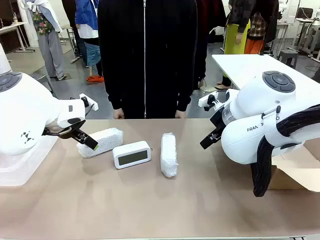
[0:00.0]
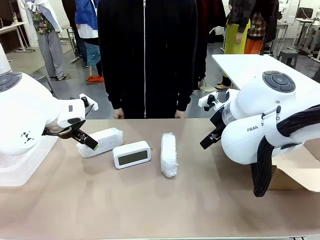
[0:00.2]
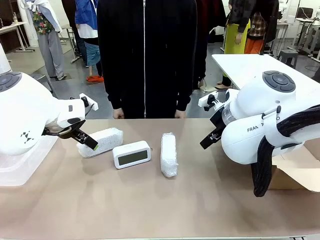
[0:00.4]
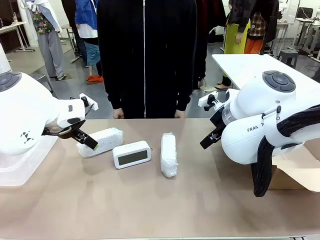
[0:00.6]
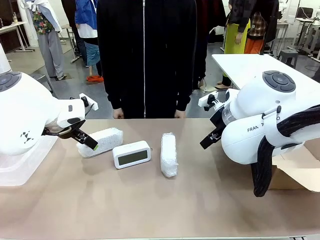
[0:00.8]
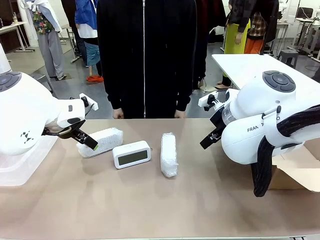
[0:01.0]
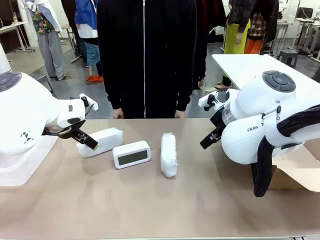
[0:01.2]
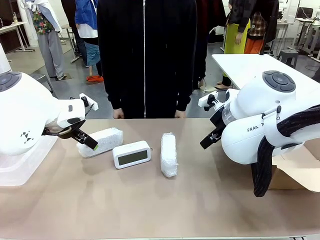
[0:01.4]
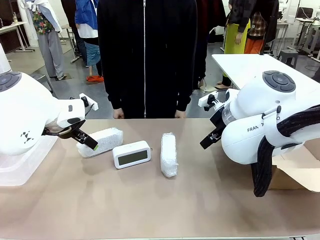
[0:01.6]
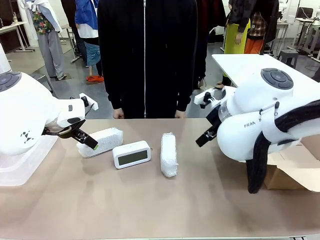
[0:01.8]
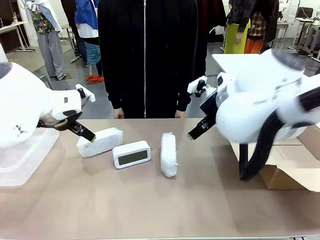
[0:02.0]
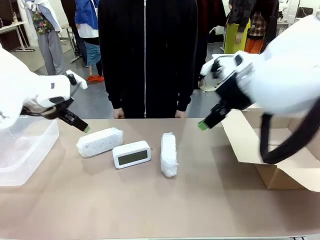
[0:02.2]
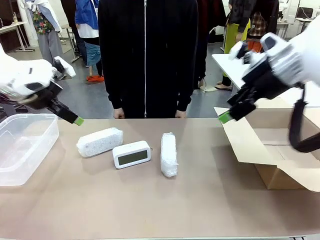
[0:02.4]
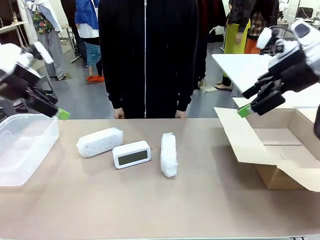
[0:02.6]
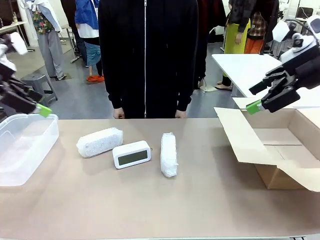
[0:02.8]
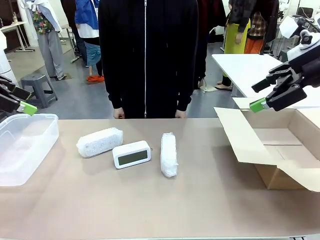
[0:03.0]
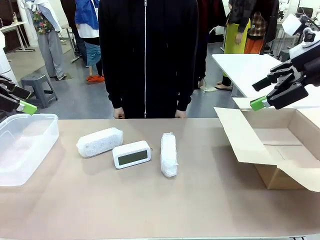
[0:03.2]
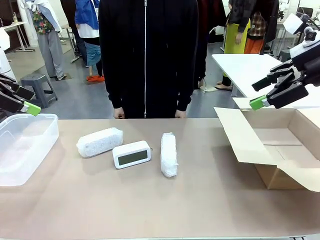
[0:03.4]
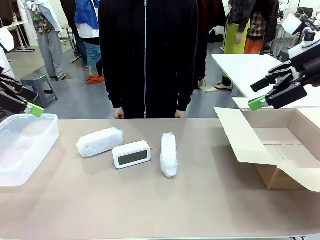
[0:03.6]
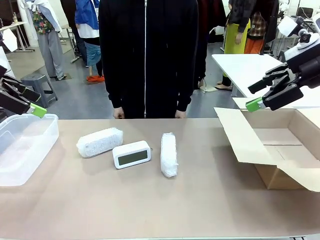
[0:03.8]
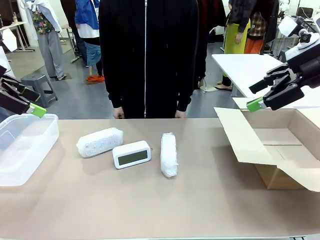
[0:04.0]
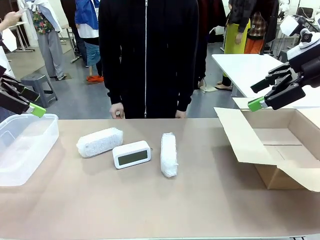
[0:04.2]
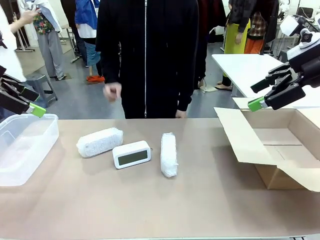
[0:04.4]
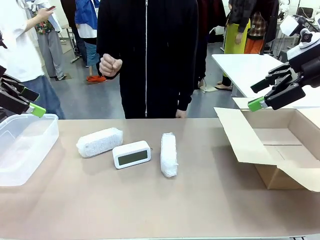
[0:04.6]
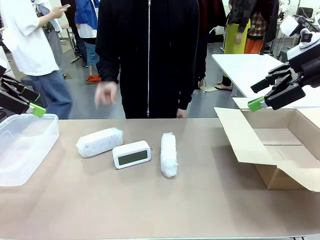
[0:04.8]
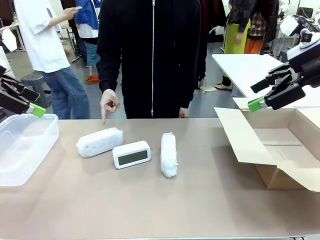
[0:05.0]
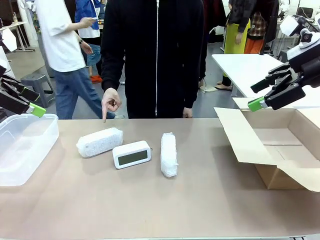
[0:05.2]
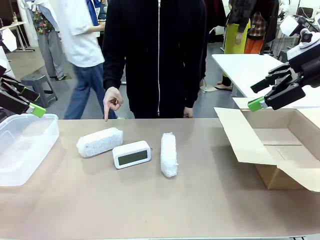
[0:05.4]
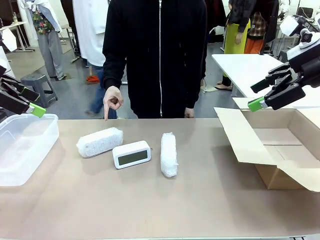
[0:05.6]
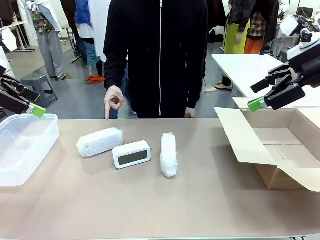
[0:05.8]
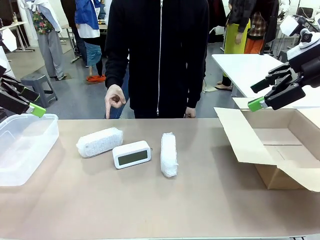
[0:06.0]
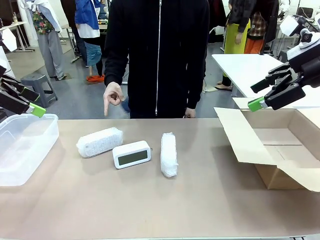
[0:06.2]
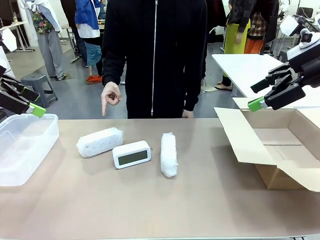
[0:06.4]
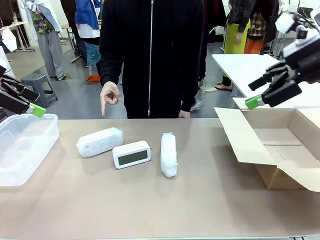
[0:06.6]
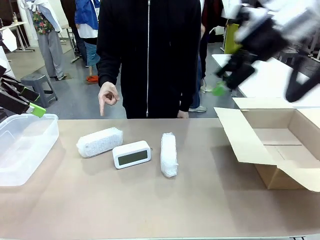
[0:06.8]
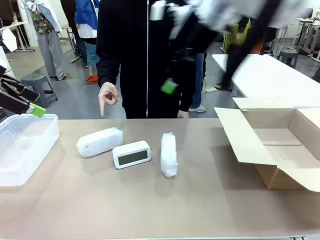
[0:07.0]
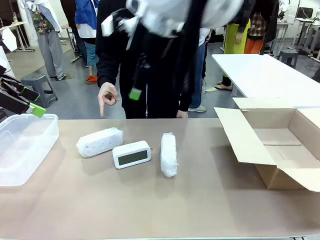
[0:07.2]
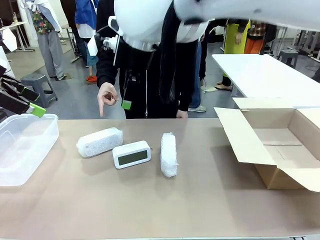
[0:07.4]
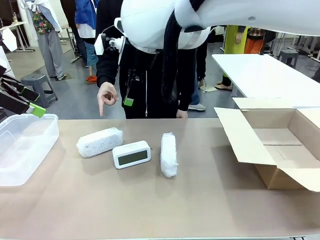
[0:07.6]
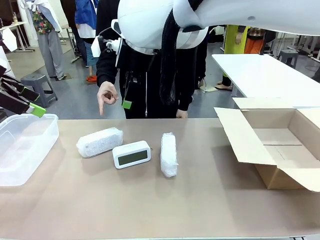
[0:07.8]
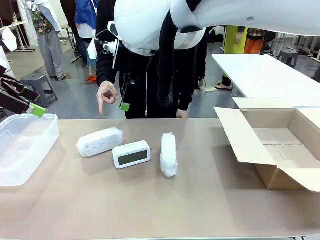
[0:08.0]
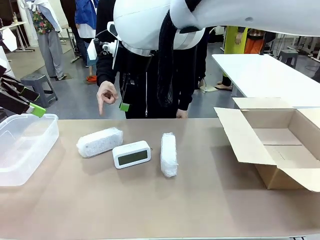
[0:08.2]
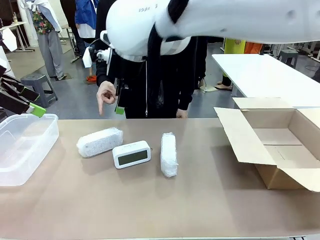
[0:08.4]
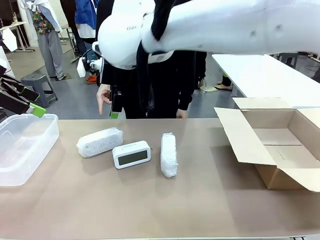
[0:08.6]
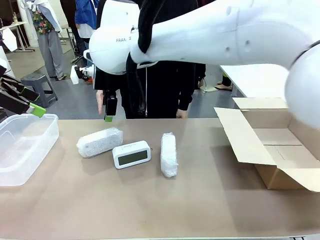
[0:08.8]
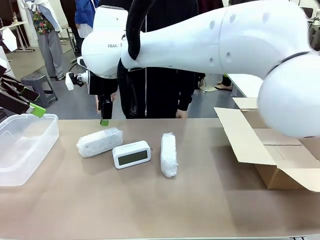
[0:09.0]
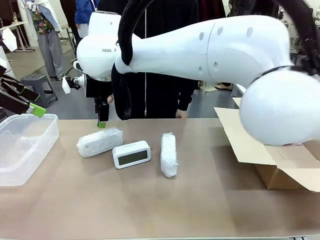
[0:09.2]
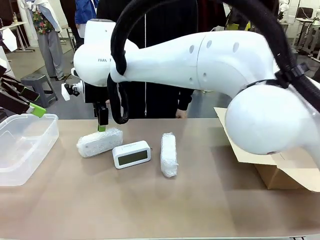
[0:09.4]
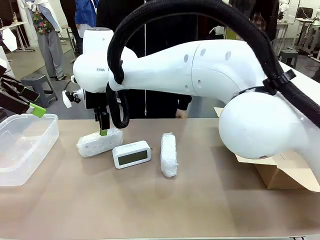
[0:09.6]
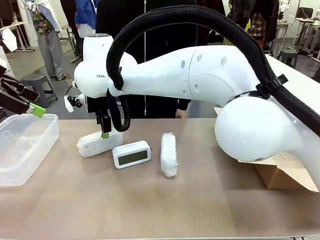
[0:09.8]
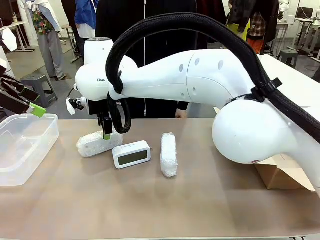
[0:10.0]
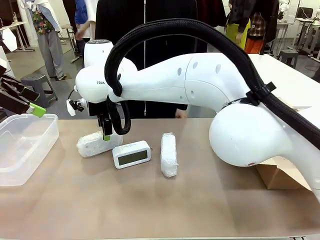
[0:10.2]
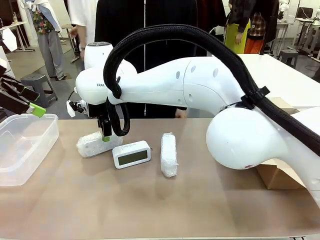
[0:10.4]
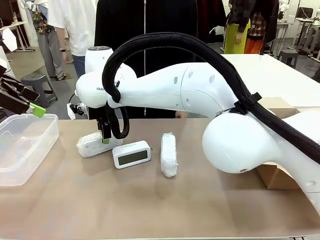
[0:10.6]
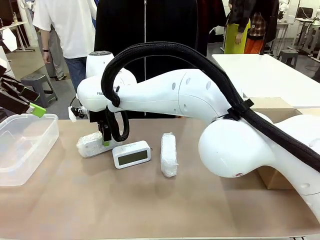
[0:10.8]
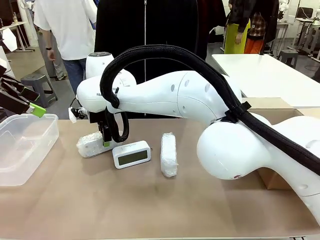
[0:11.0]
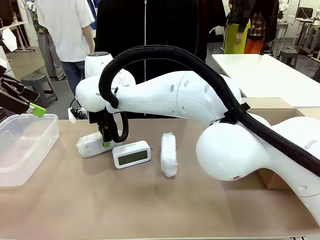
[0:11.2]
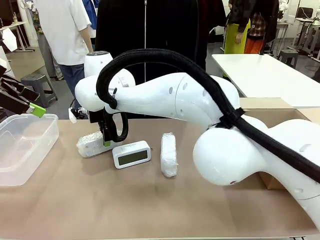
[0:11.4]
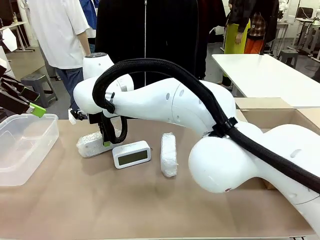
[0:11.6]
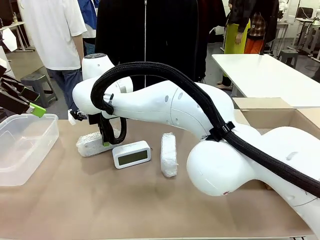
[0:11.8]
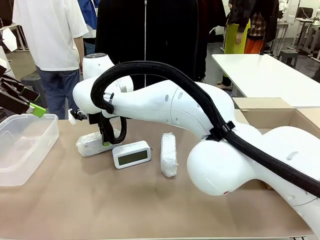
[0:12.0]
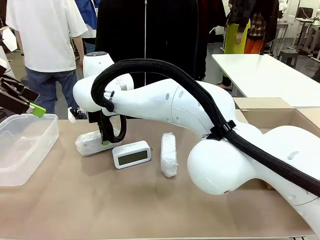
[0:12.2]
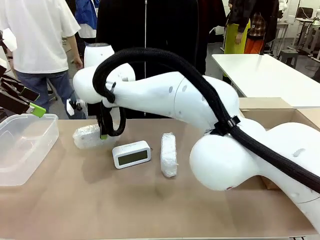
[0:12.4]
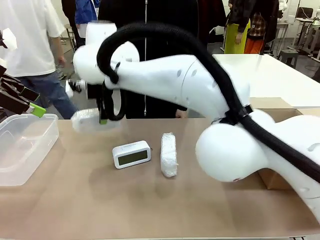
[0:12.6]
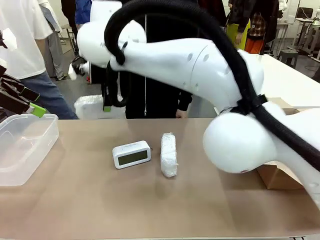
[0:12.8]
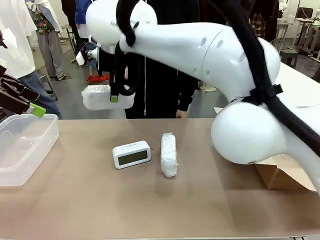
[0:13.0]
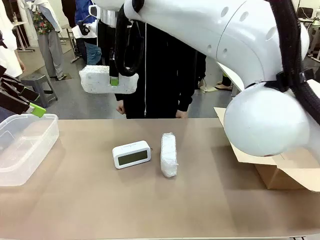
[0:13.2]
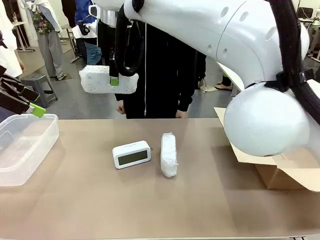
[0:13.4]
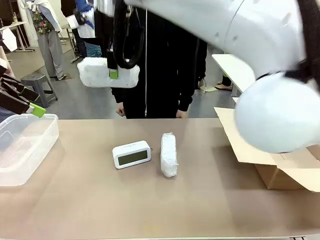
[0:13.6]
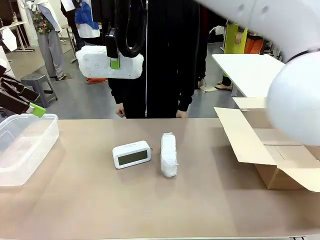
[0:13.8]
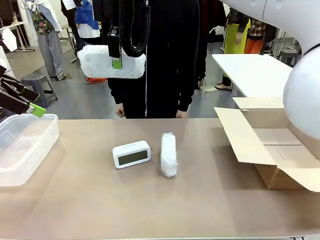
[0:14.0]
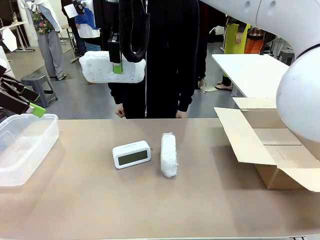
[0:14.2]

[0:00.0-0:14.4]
Task: Separate and place wrapped and unwrapped clocks.
Robot: Pick up the Digital clock indicated by the person.

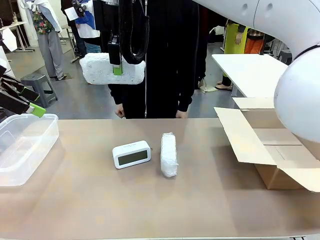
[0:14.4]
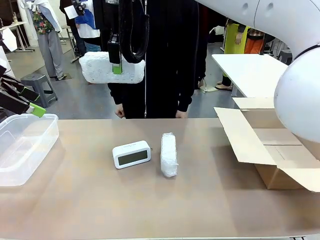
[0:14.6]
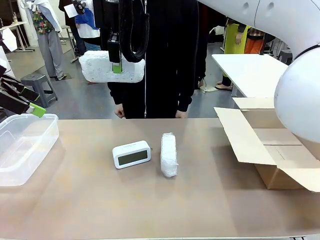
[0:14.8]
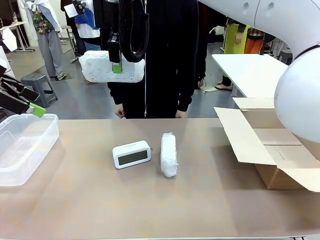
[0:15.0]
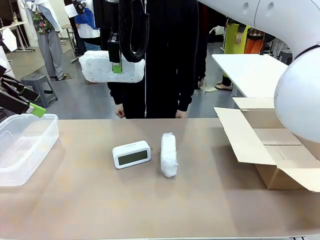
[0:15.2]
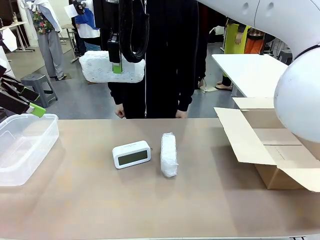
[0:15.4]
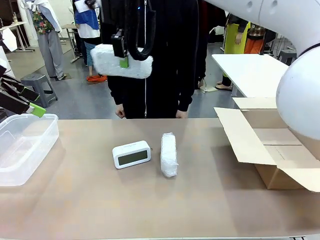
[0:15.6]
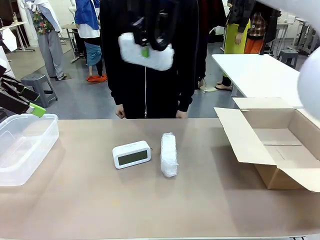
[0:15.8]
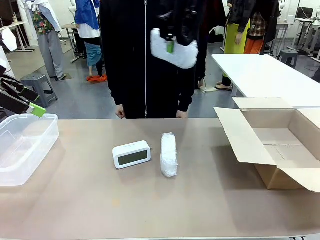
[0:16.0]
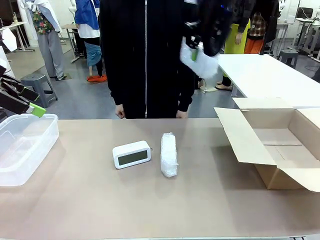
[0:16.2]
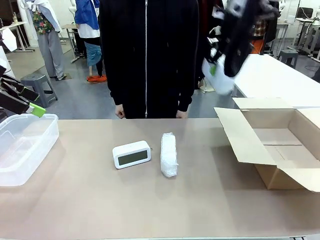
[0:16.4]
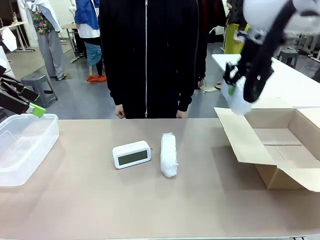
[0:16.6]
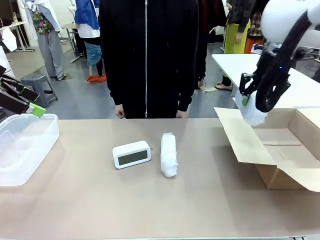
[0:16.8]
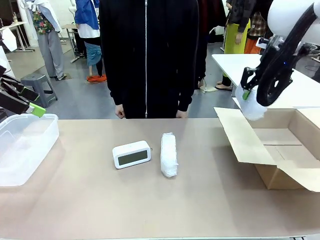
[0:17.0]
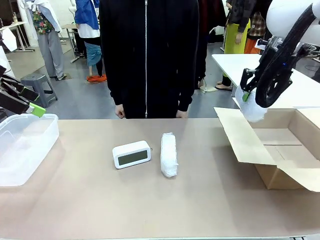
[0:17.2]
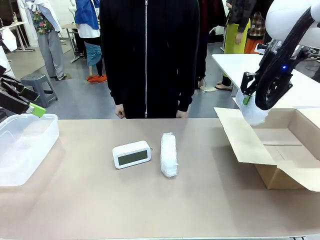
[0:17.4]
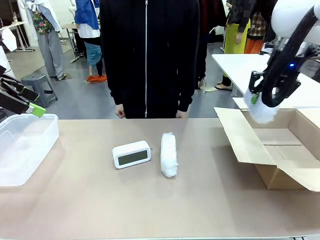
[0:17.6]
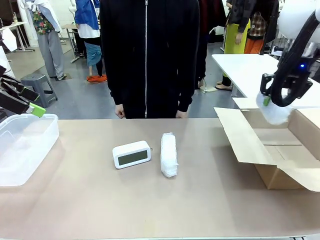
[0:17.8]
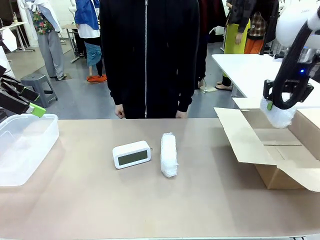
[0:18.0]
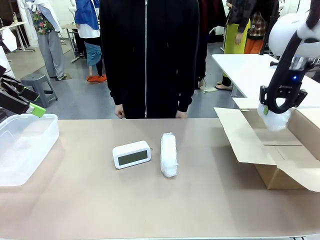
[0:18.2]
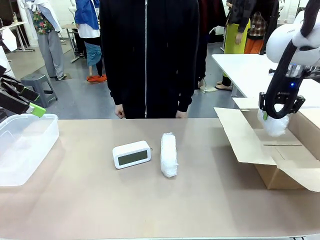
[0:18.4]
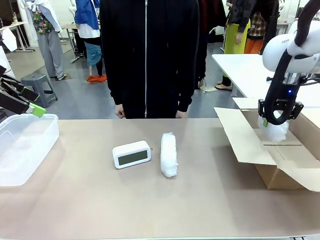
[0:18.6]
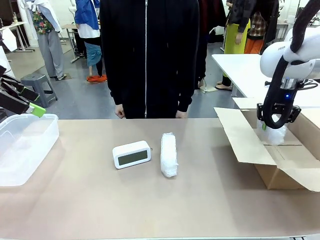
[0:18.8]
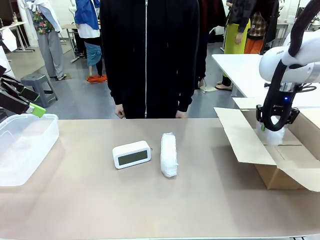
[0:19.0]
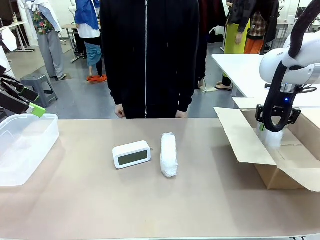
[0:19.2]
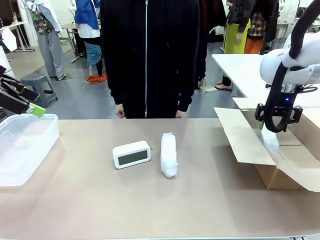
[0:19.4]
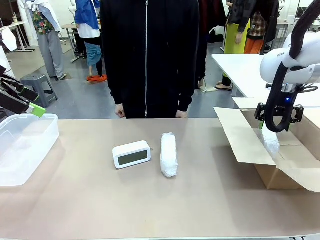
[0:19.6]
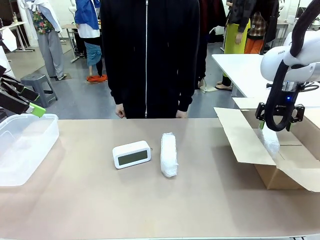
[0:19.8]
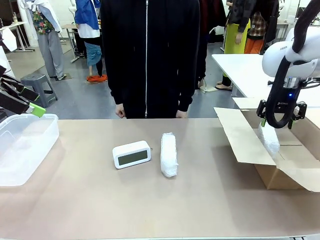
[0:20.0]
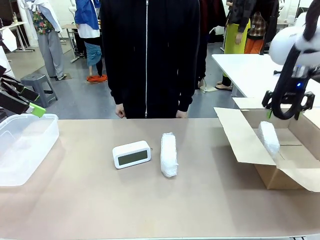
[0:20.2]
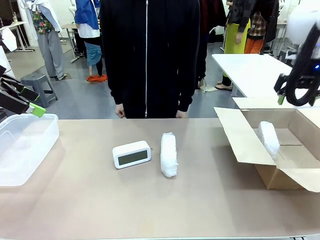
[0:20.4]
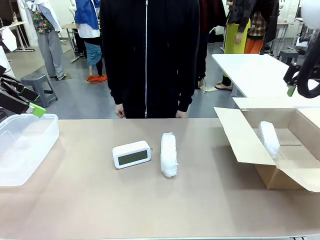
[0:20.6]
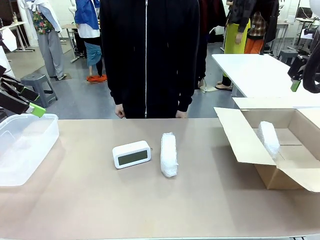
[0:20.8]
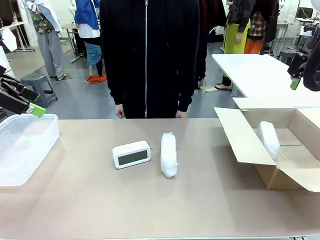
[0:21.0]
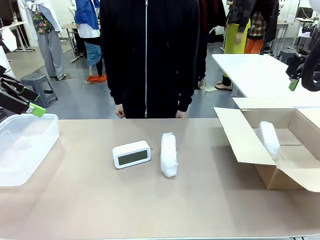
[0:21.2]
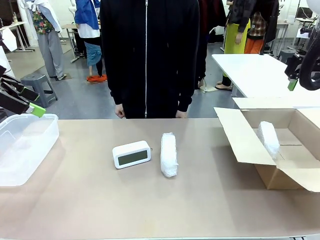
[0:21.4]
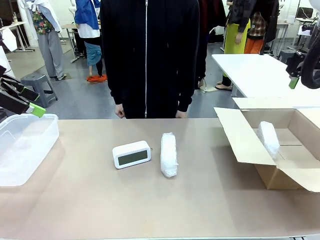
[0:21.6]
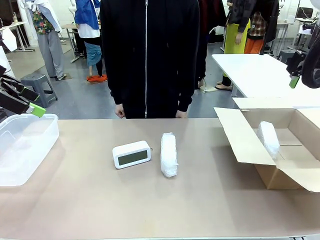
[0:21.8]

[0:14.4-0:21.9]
Robot: If the picked Digital clock is wrapped, place it in the Package Box ; if not, place it in the Organizing box.
